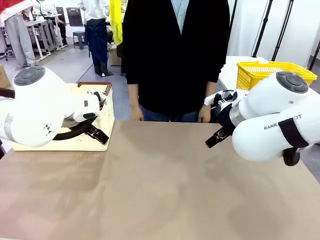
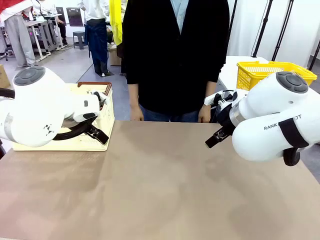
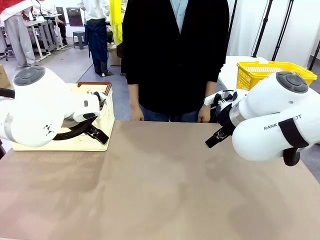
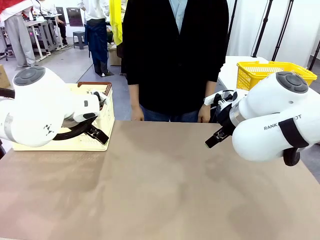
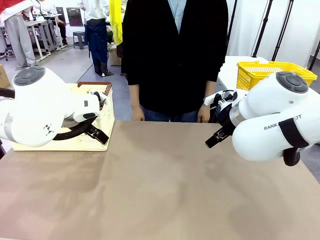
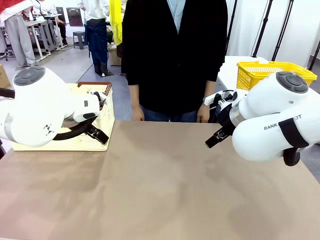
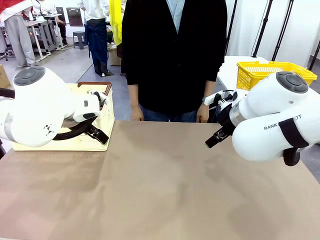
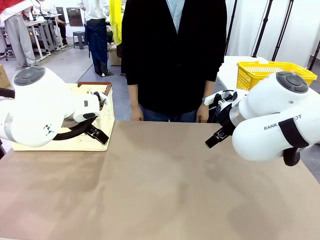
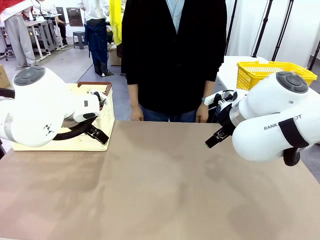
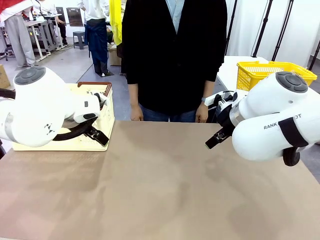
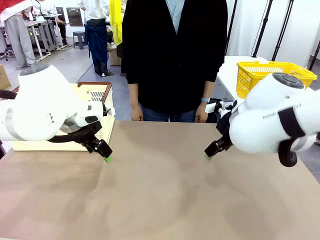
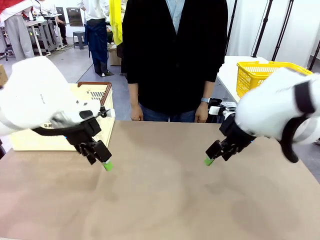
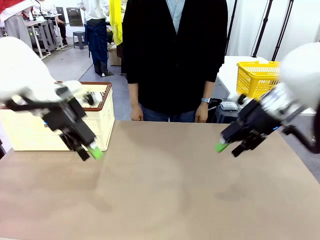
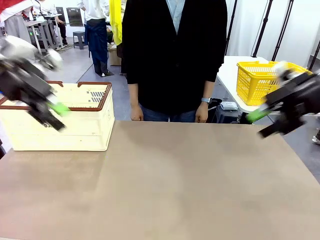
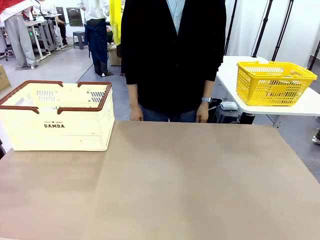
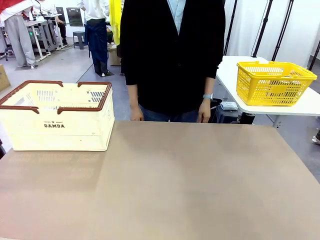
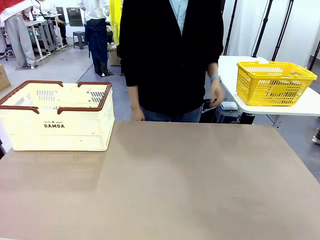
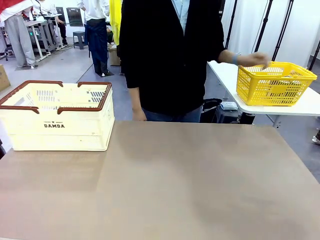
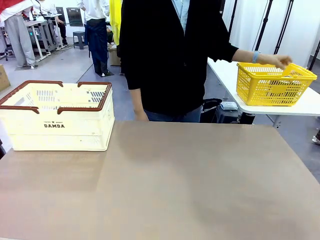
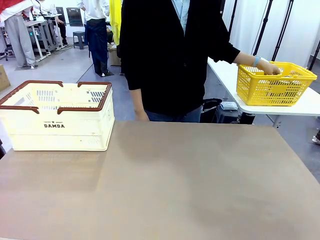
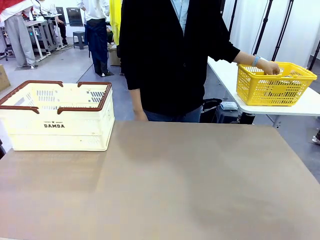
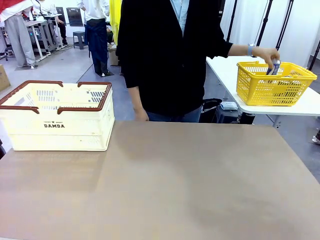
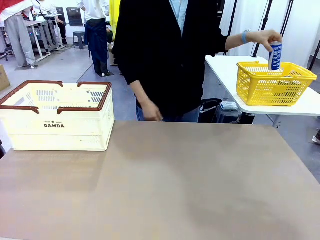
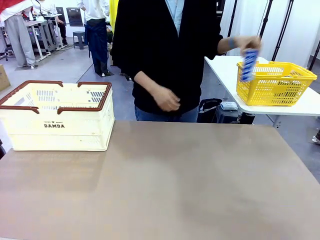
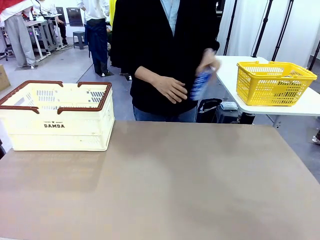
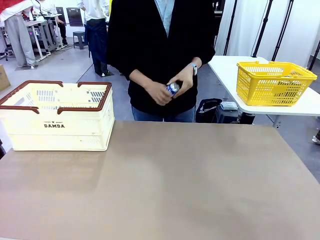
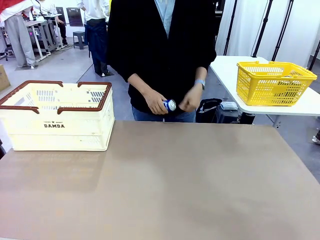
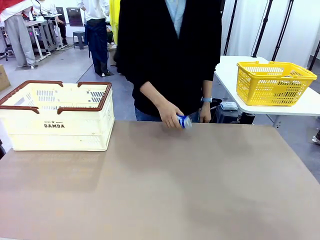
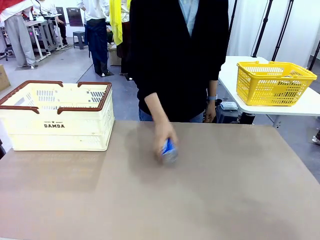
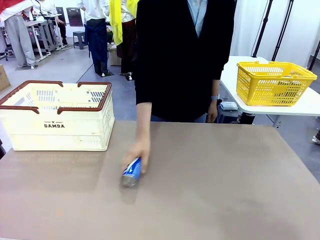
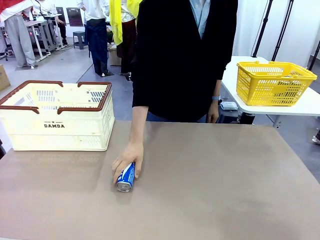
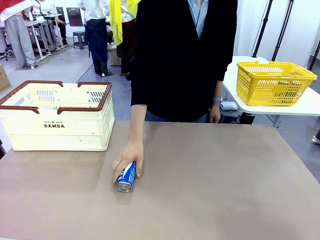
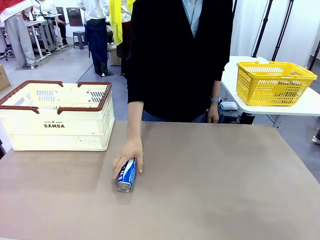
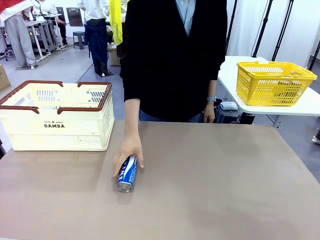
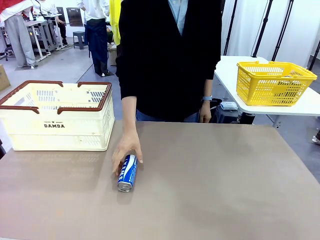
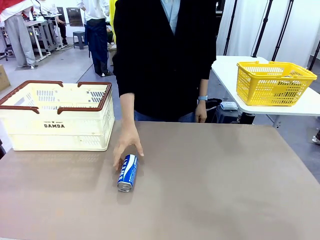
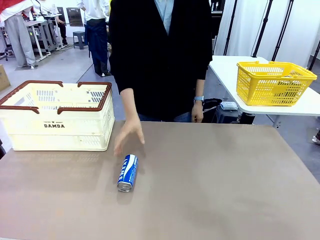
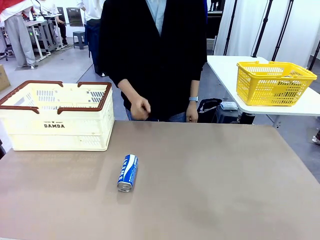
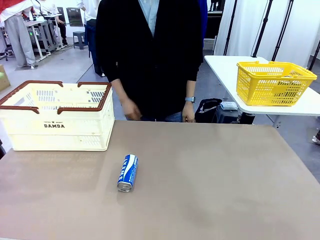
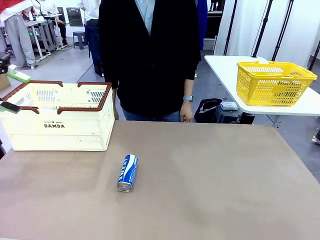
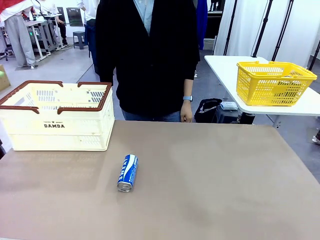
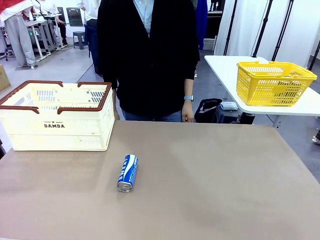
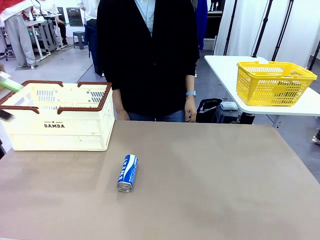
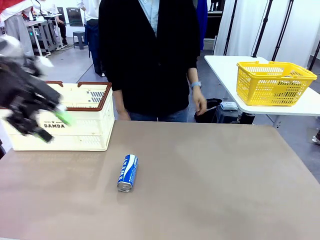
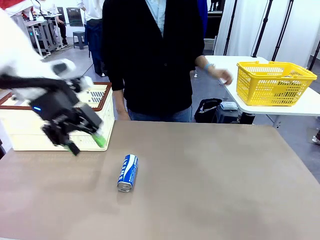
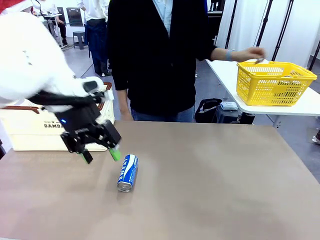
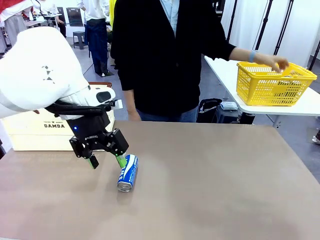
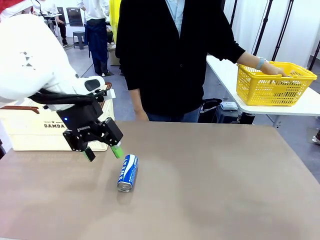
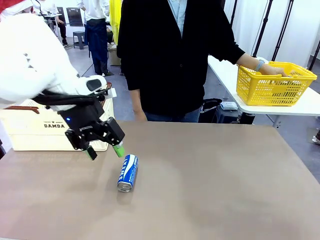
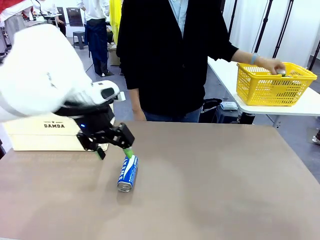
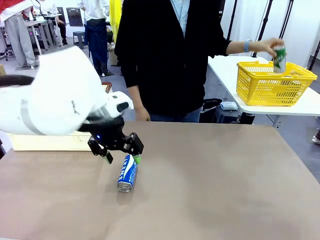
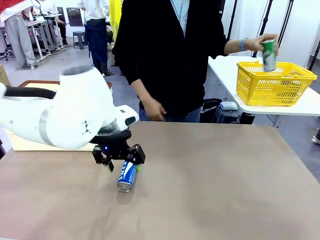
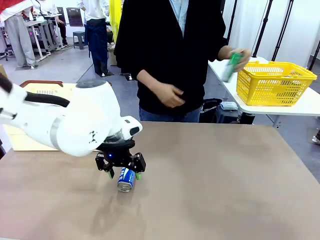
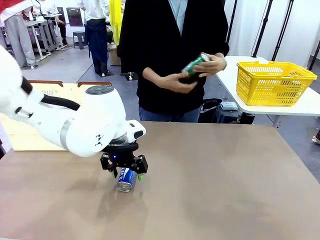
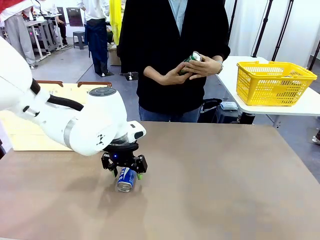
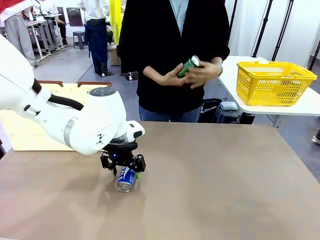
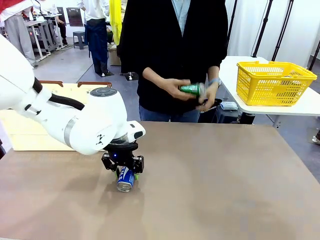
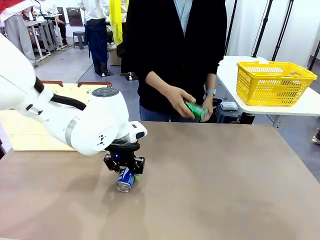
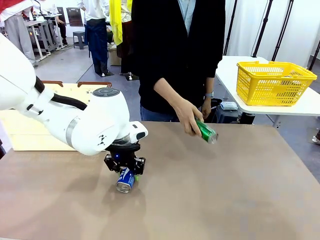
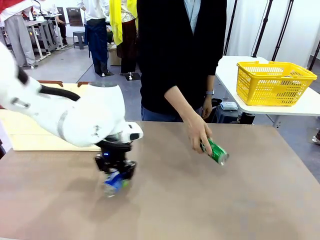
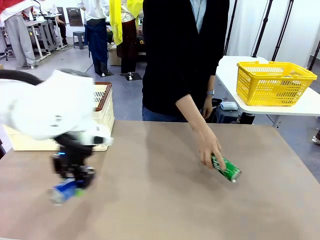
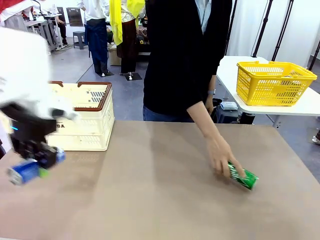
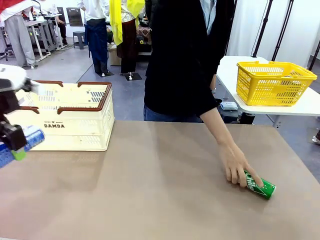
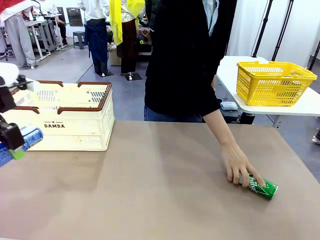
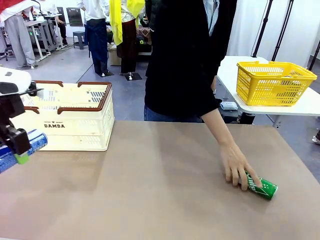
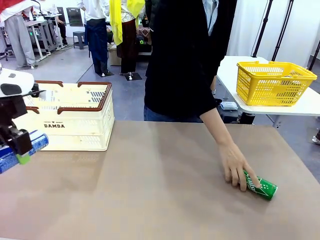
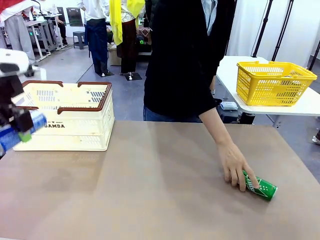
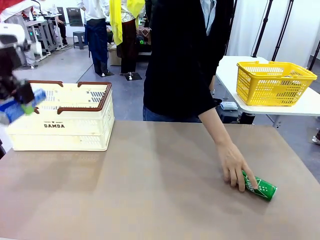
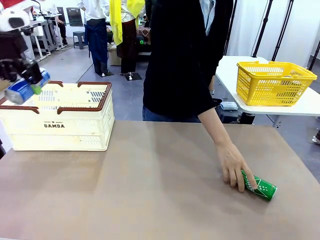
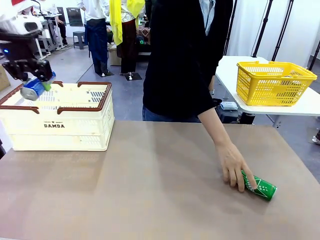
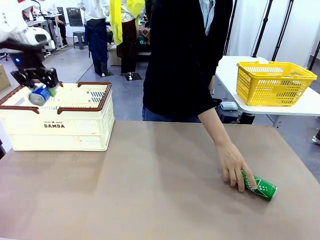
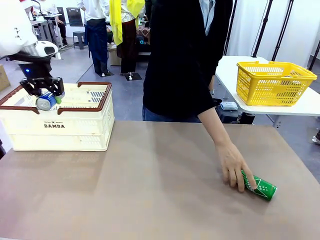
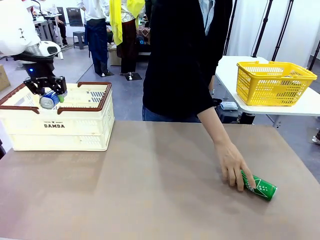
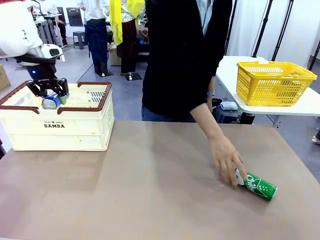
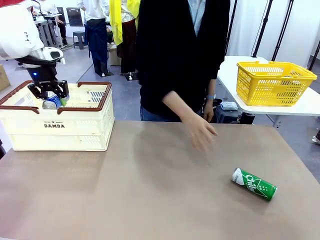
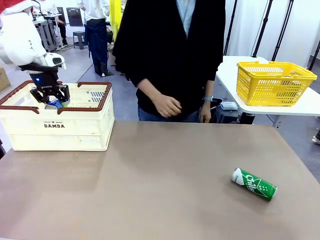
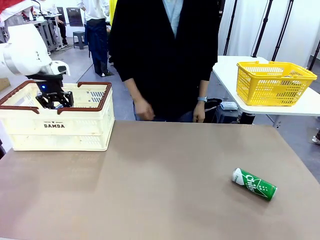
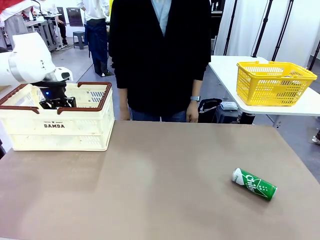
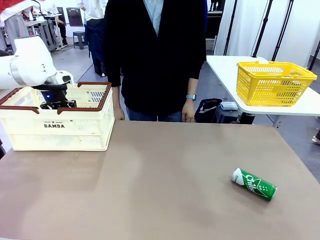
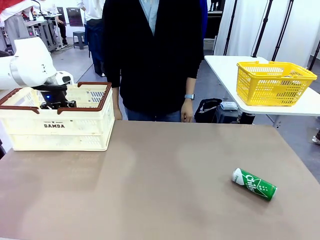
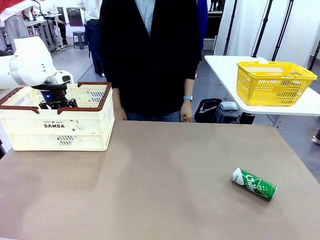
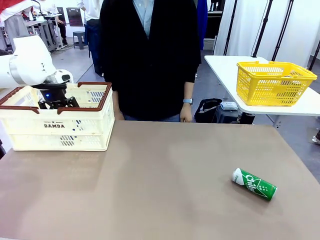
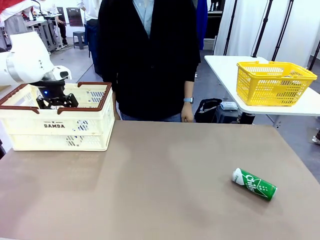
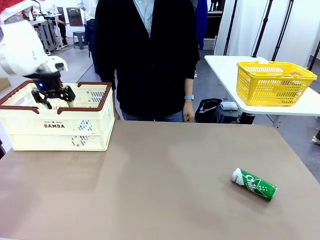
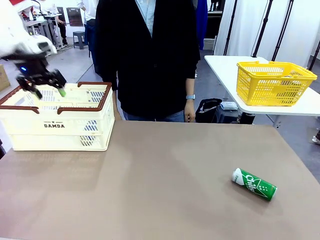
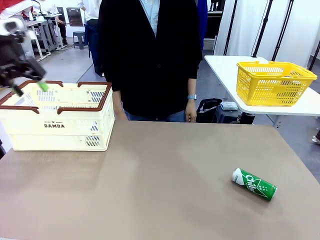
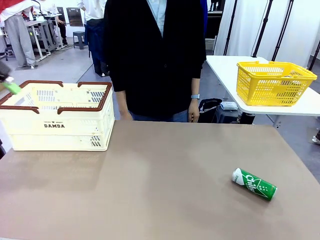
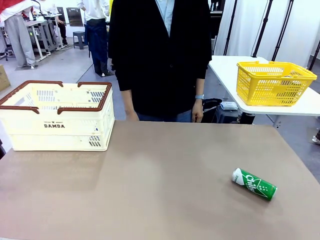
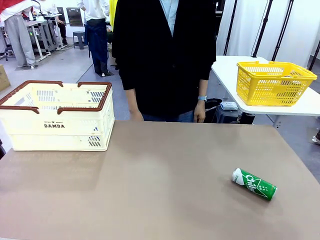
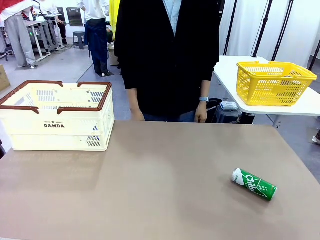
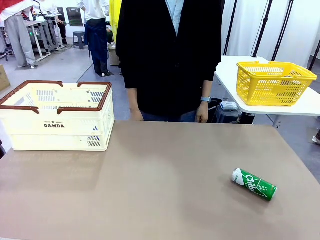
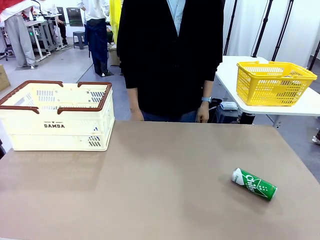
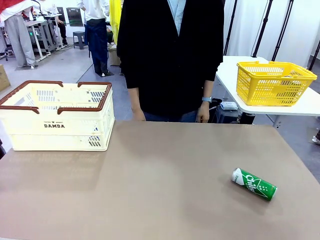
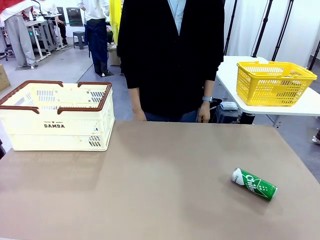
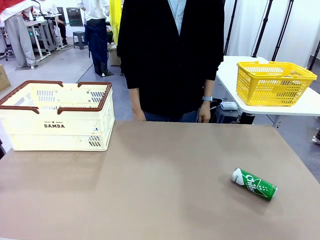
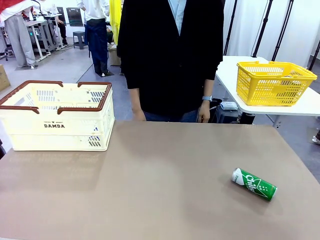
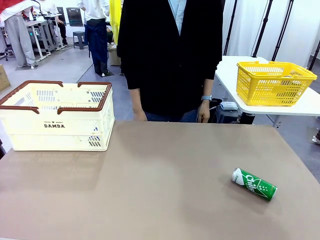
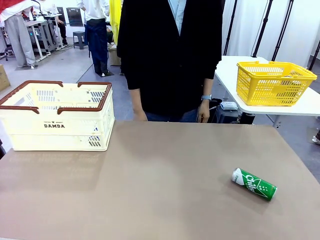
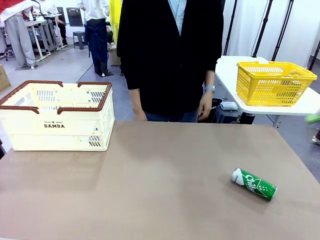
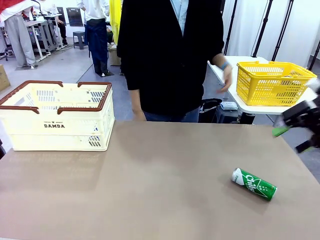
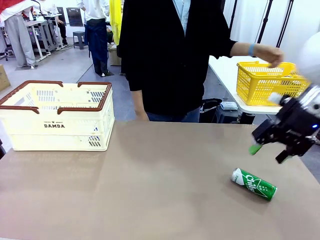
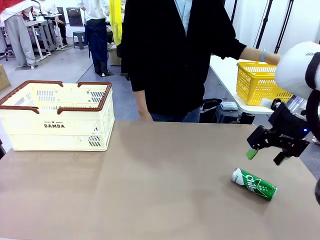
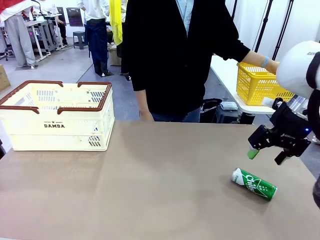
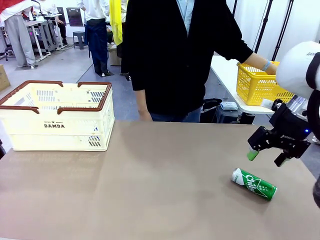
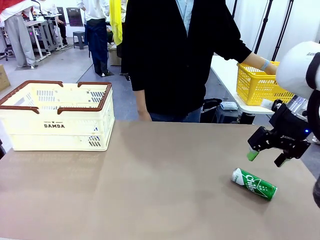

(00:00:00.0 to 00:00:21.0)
Task: Place the drinks into the Shopping basket.
Robot: Pick up one drink and place it into the Shopping basket.
